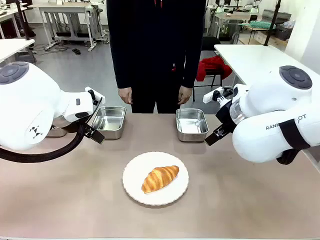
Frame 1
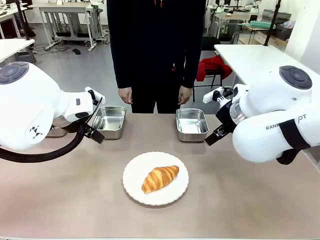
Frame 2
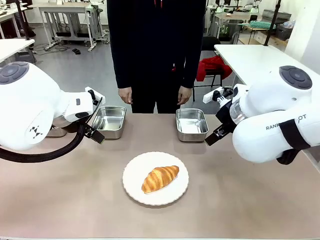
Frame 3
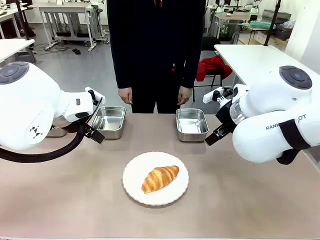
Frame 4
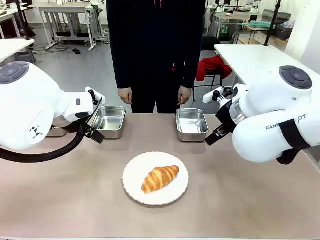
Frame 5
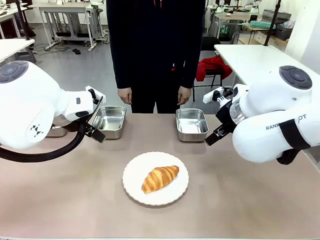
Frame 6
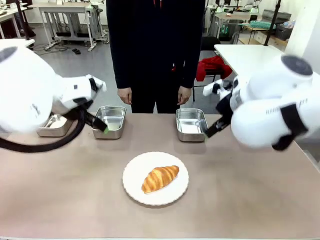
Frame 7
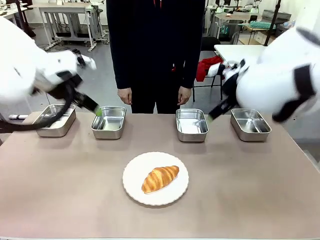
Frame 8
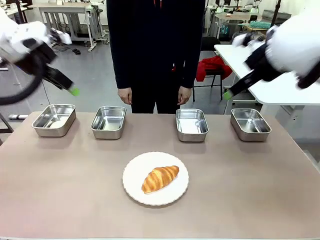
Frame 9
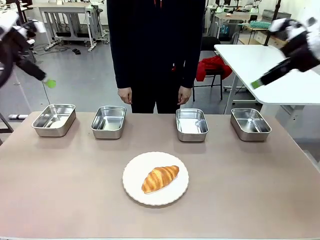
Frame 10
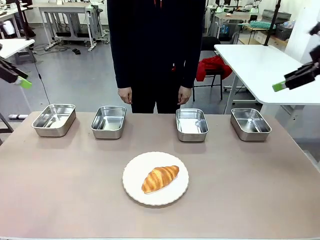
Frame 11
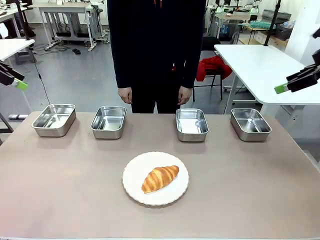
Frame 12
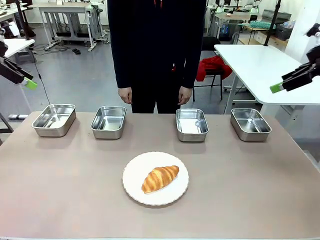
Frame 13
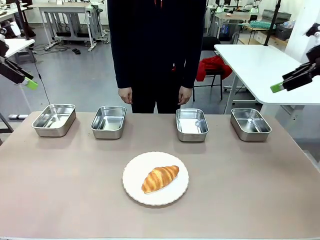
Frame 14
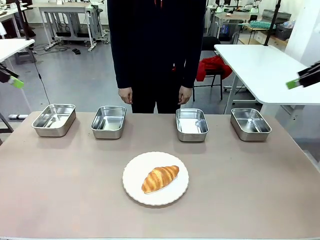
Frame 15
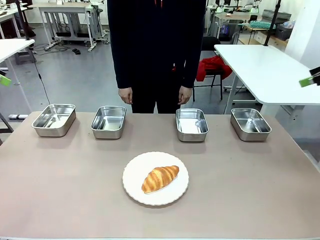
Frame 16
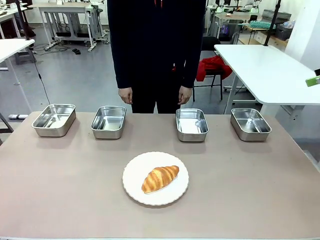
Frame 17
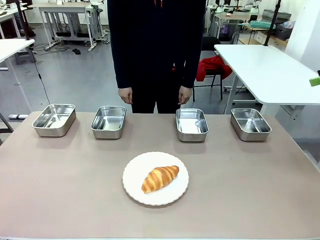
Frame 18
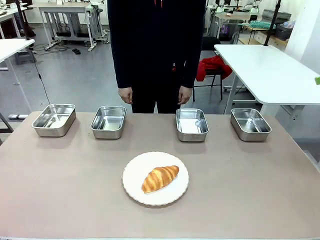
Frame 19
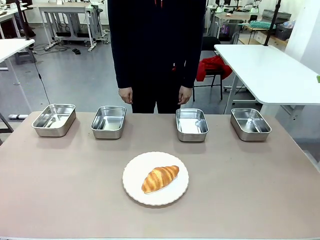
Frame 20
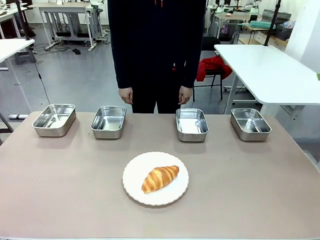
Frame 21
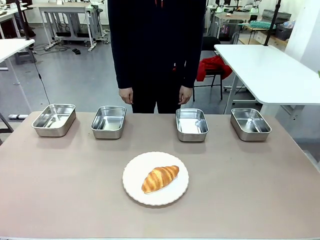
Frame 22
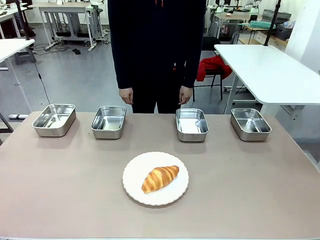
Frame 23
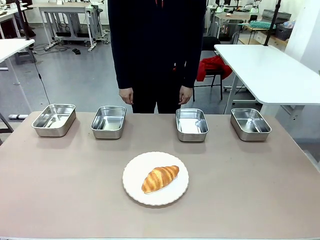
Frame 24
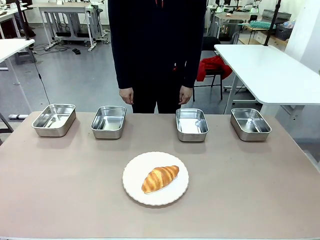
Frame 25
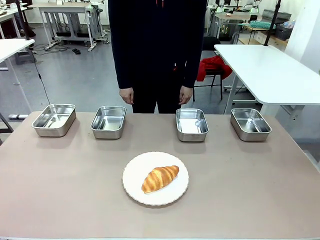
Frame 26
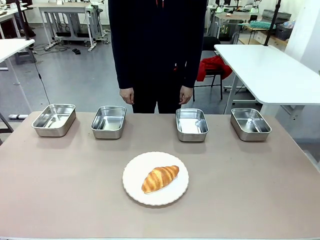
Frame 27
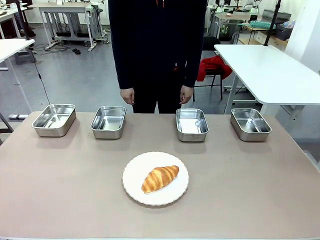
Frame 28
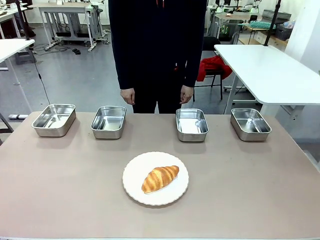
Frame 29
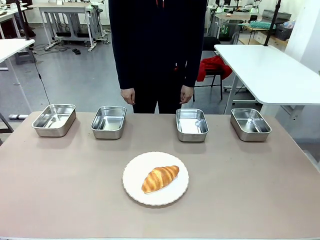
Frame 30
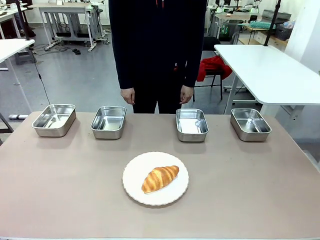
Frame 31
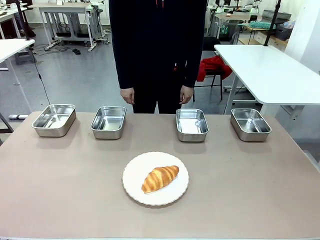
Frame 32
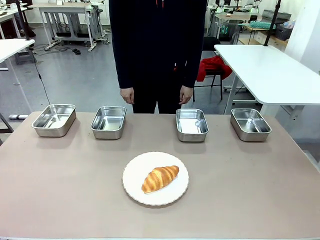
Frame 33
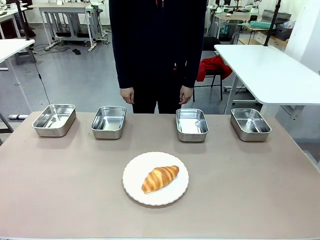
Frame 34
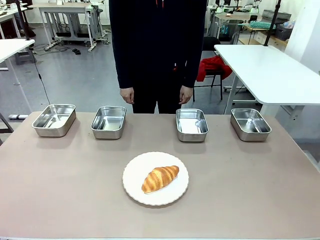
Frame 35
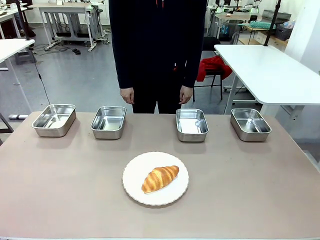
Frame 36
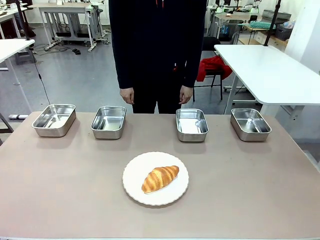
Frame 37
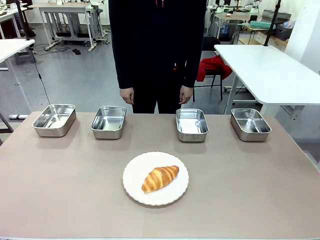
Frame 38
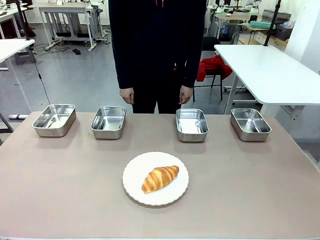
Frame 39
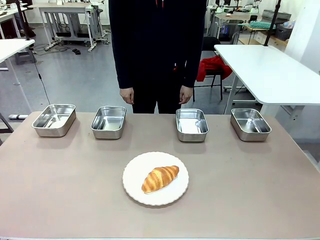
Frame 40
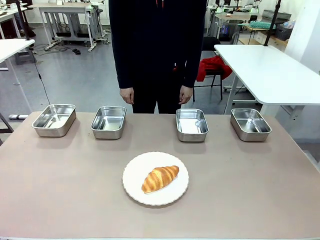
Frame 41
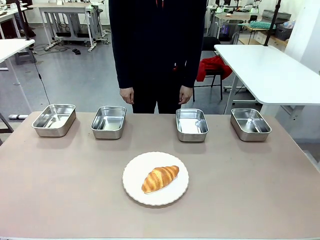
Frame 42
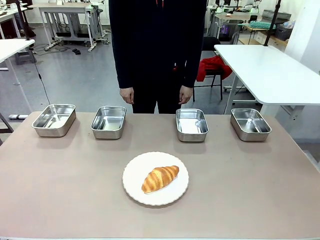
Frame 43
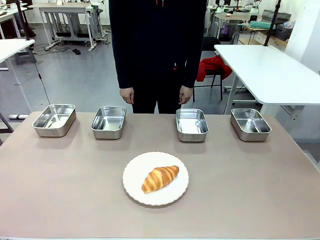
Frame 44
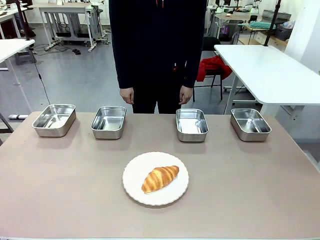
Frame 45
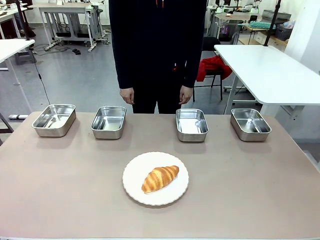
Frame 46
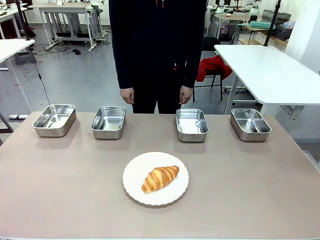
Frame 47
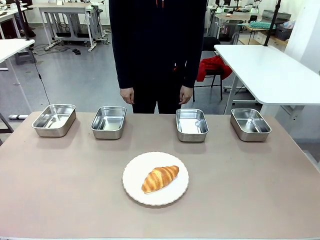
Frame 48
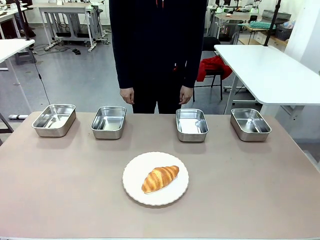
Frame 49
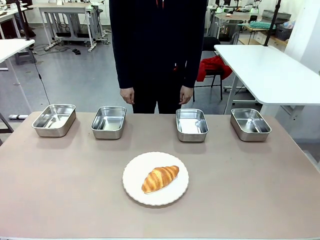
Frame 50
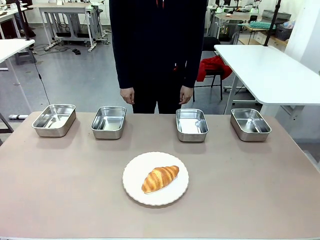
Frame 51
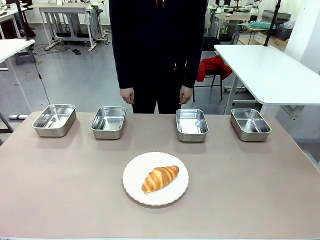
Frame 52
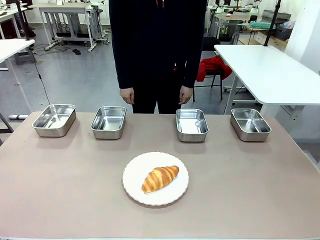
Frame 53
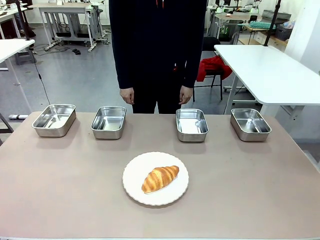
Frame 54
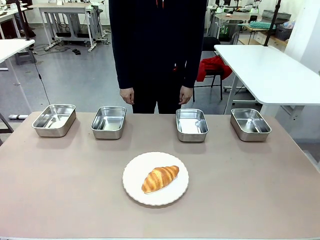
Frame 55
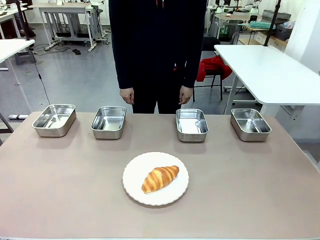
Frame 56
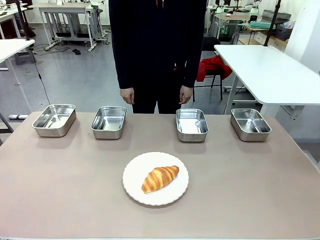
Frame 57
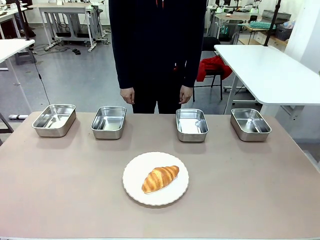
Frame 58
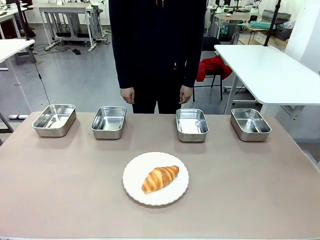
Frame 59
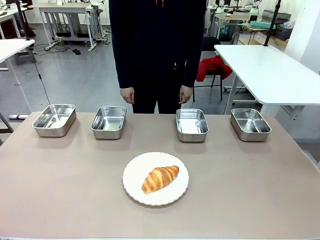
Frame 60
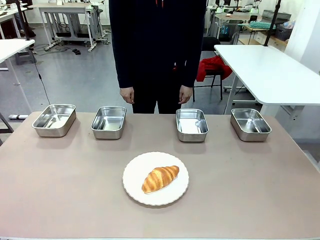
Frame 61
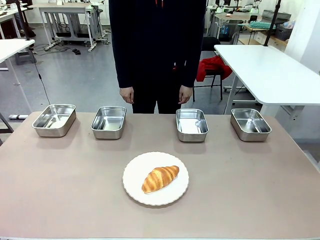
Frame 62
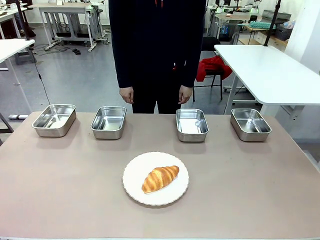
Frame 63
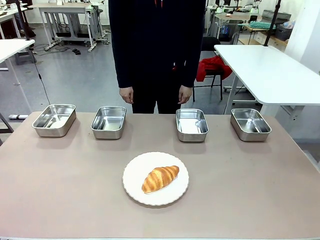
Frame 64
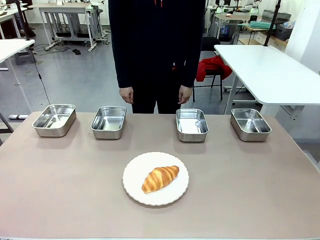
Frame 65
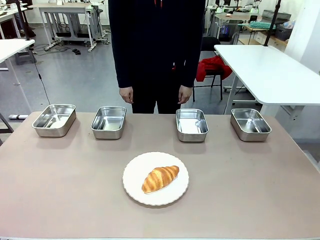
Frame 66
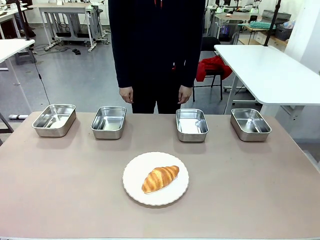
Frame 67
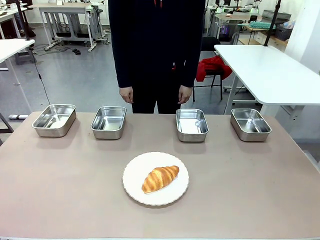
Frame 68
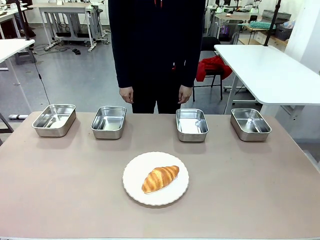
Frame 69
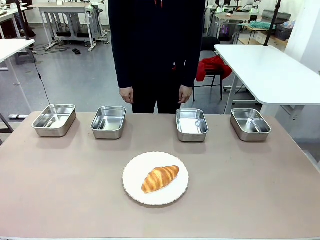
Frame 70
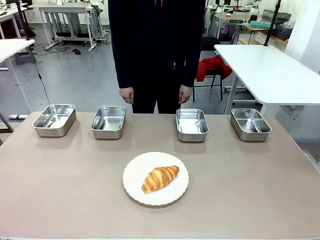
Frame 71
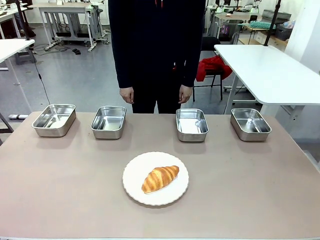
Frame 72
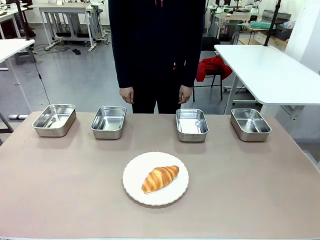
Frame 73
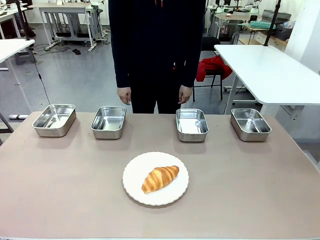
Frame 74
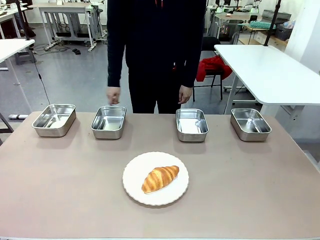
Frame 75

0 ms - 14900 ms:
Task: Place the bread in the container.
Robot: Place the Butter Roll into the Airtight Container indicated by the human.
